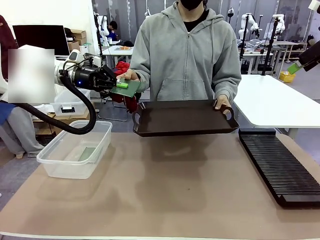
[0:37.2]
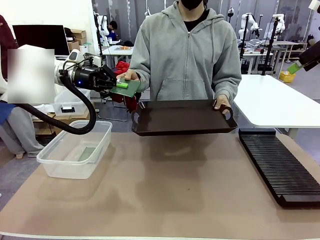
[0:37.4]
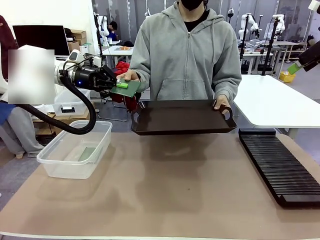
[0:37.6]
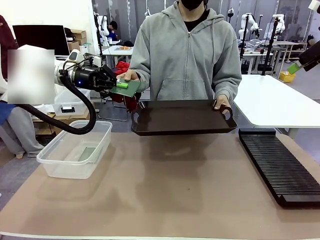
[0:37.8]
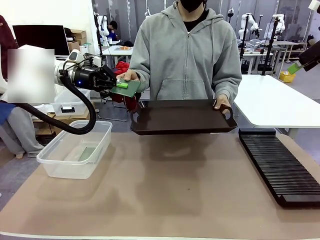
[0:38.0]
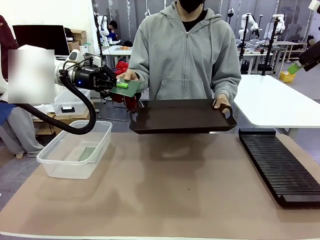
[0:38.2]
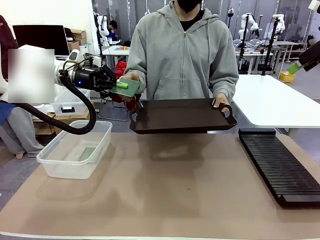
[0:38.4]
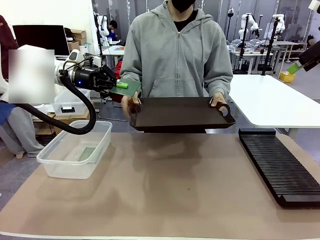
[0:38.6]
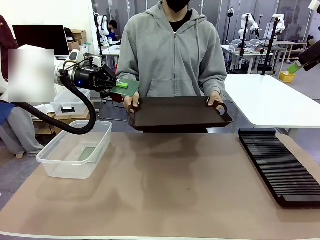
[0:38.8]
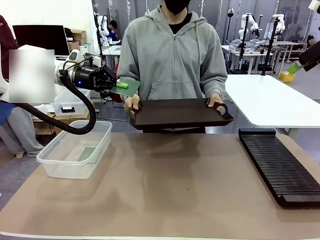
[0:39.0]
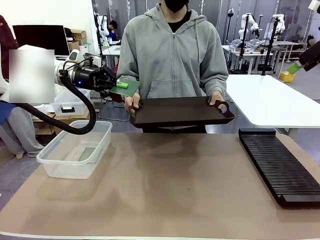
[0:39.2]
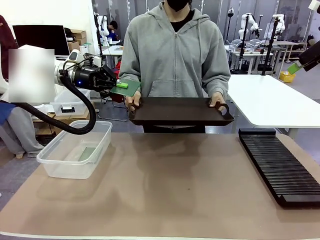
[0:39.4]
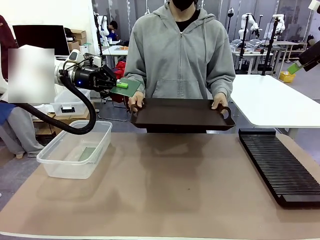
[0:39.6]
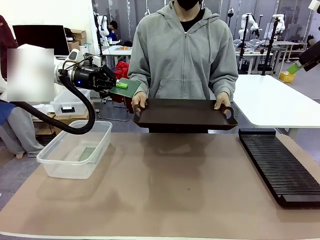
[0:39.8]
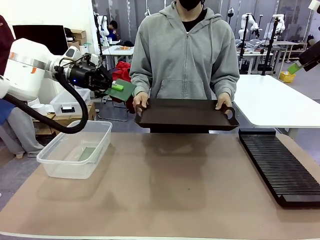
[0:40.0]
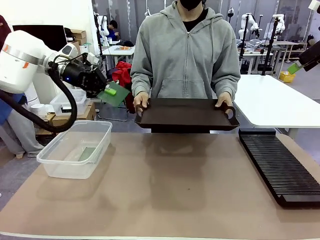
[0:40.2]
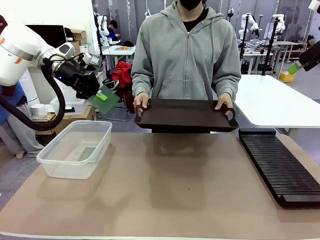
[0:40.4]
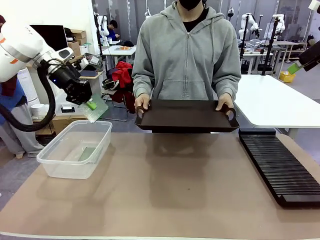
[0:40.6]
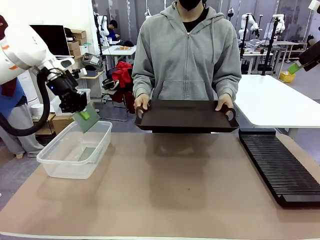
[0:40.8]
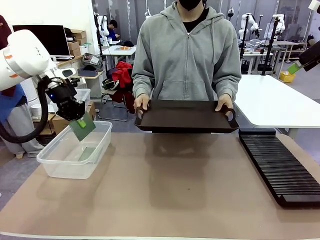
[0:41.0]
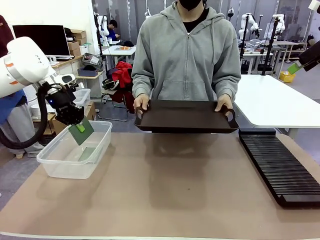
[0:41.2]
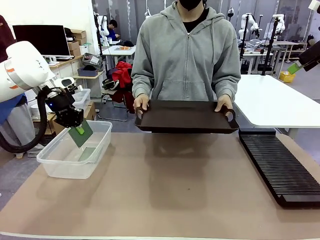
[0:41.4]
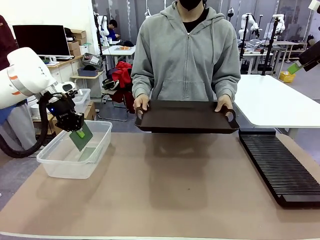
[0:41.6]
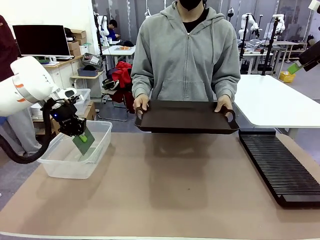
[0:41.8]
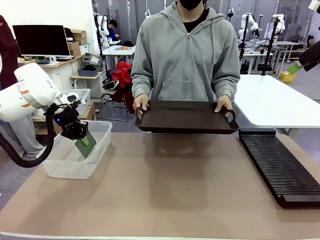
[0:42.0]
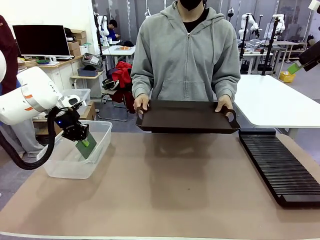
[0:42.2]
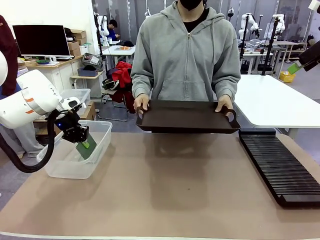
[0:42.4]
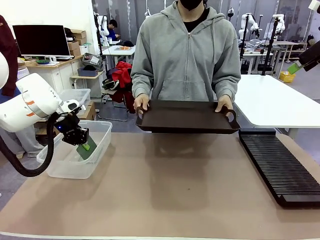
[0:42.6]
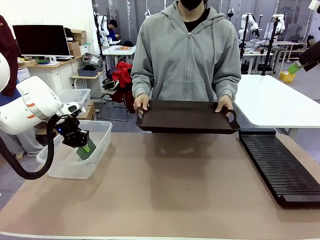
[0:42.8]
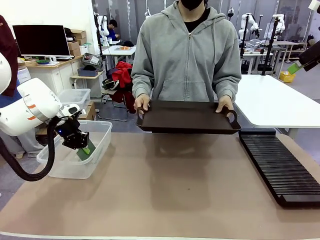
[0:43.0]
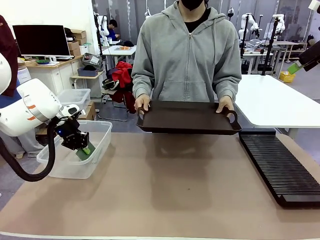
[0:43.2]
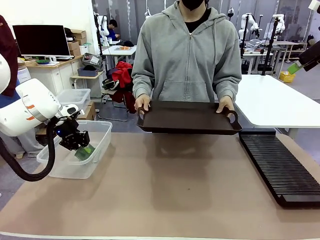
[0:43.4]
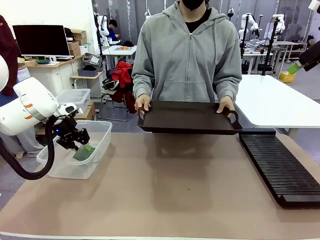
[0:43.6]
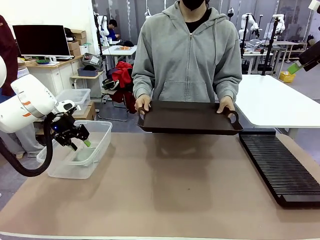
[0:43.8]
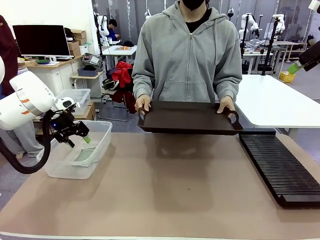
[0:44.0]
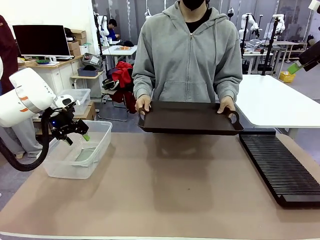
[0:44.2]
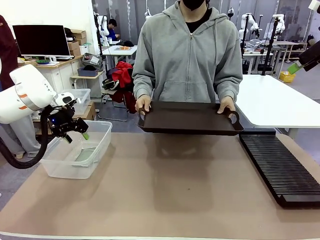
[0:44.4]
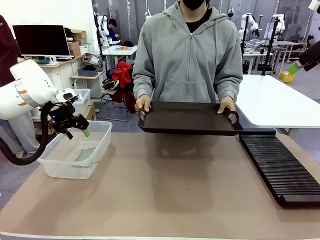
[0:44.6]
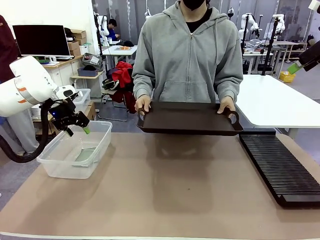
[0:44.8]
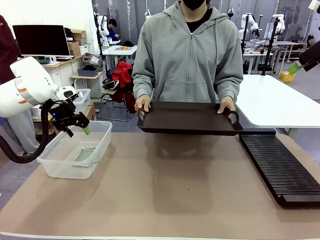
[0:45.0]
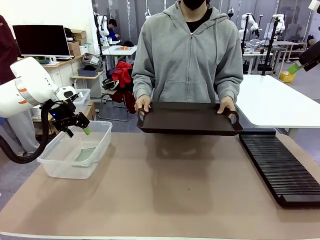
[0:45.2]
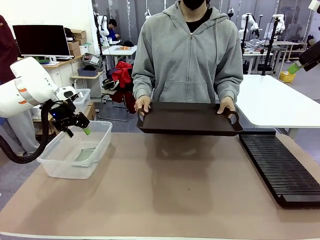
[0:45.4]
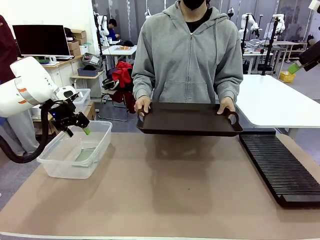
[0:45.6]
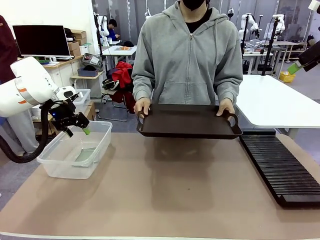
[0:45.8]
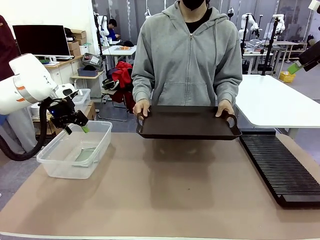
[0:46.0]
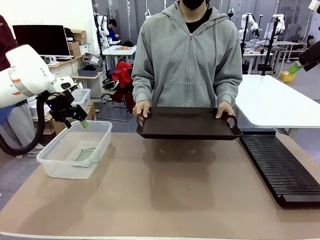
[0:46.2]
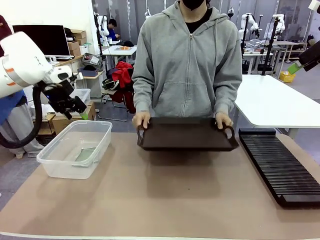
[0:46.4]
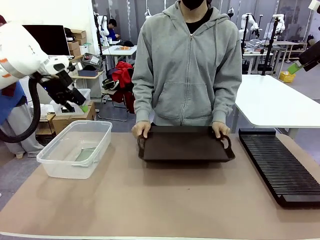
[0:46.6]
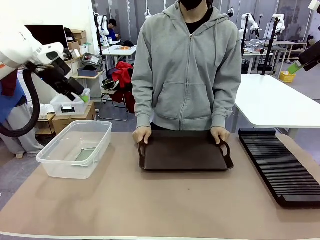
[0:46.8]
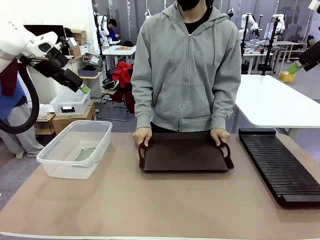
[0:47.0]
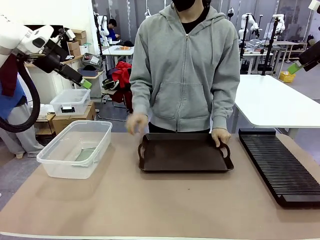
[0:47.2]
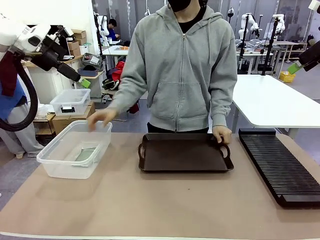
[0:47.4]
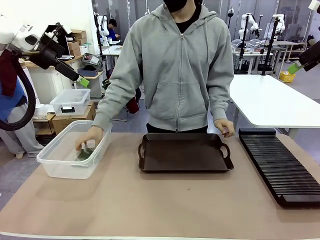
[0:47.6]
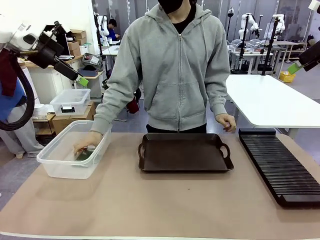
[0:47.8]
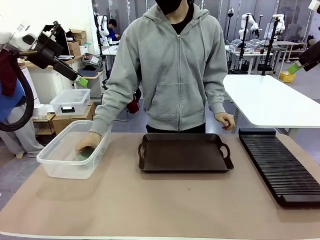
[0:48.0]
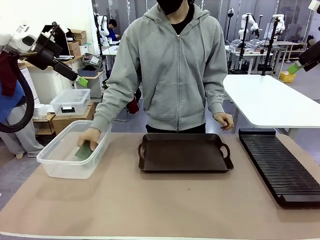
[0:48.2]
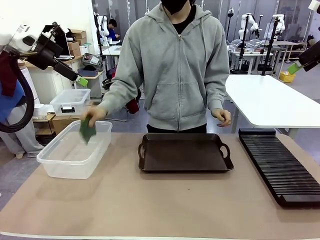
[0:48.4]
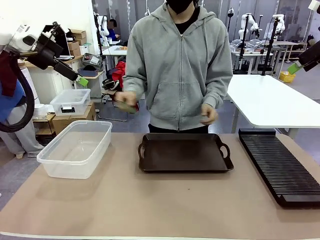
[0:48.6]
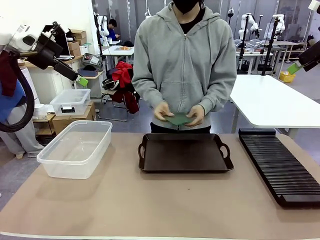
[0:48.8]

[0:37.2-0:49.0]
Task: Sort PCBs into racks and boxes based on the side picked up.
Robot: If the short side of the Blank PCB is picked up, insert it into the PCB Rack ; if the long side is picked up, place it in the Organizing box.
Person: Release the PCB being held.

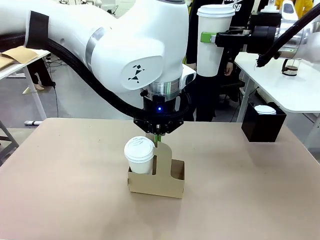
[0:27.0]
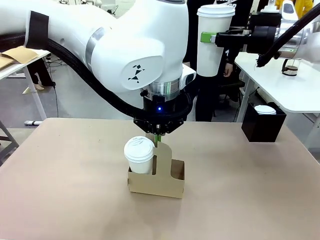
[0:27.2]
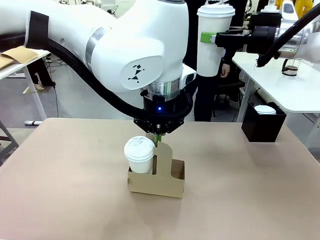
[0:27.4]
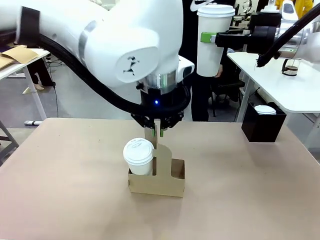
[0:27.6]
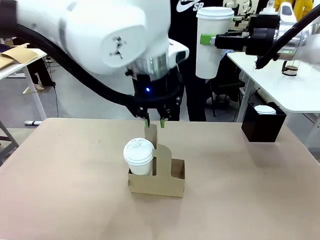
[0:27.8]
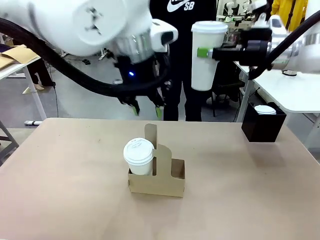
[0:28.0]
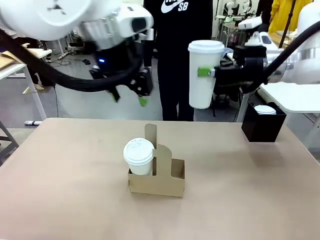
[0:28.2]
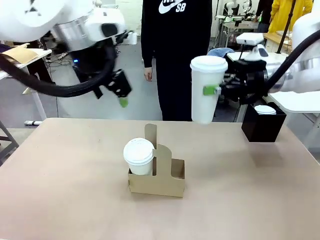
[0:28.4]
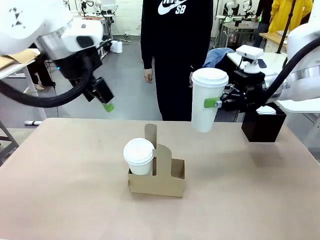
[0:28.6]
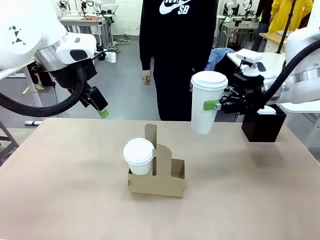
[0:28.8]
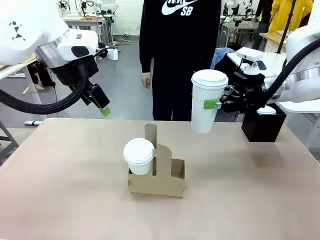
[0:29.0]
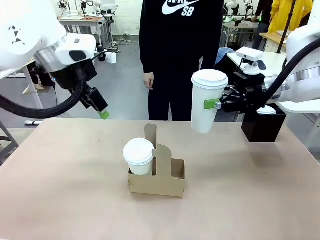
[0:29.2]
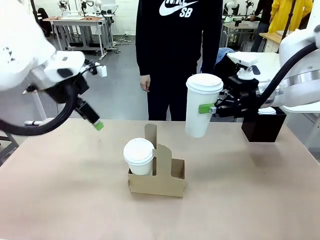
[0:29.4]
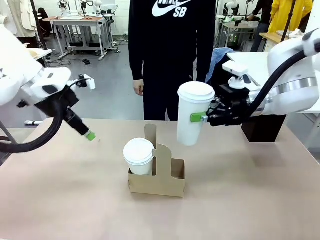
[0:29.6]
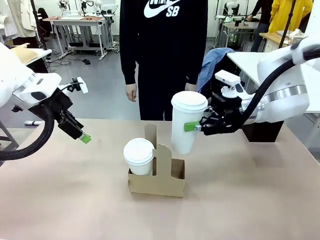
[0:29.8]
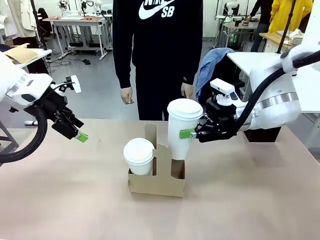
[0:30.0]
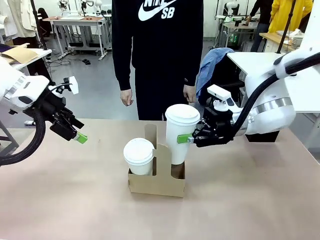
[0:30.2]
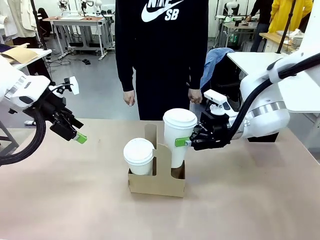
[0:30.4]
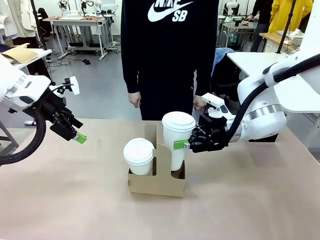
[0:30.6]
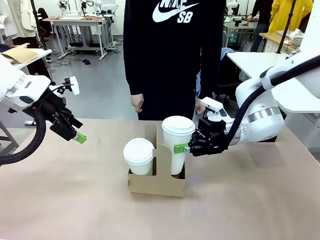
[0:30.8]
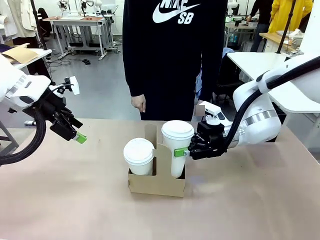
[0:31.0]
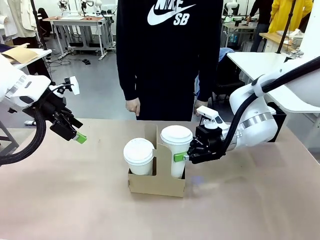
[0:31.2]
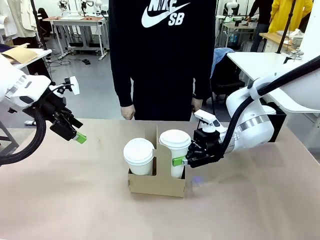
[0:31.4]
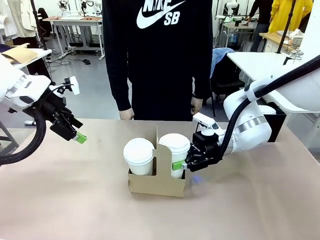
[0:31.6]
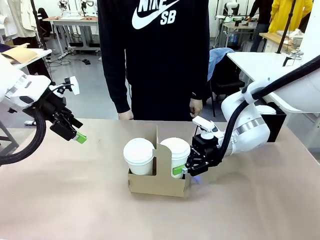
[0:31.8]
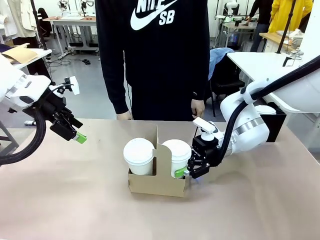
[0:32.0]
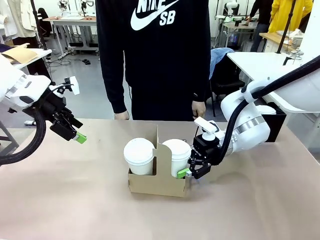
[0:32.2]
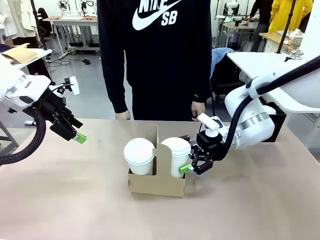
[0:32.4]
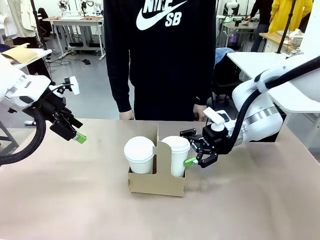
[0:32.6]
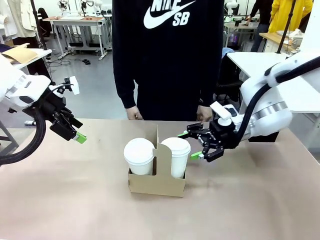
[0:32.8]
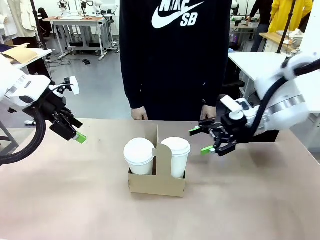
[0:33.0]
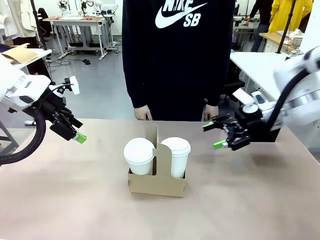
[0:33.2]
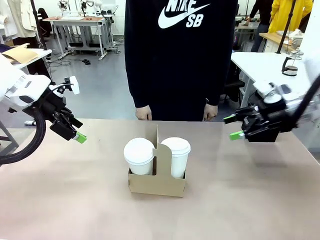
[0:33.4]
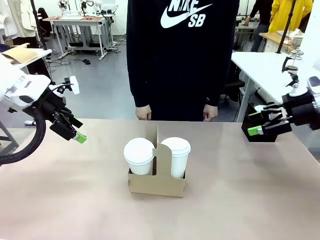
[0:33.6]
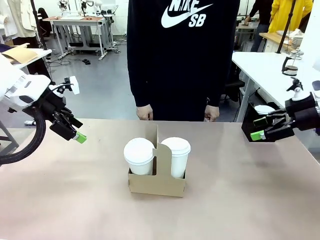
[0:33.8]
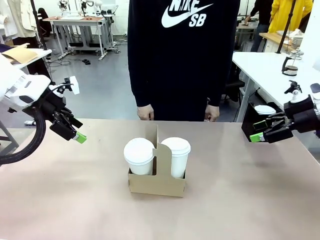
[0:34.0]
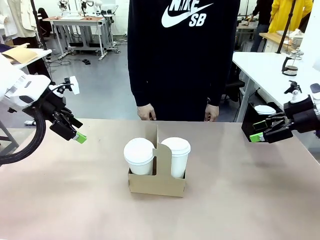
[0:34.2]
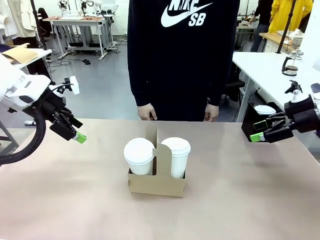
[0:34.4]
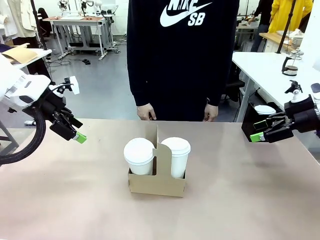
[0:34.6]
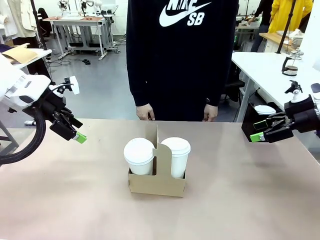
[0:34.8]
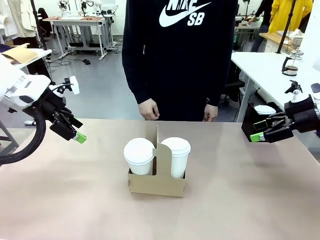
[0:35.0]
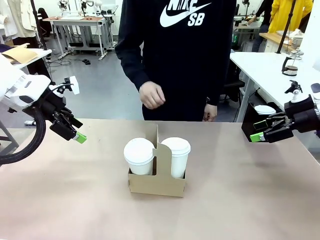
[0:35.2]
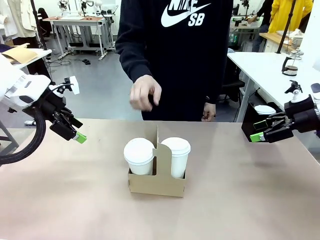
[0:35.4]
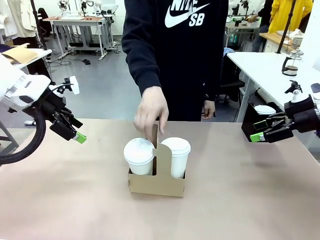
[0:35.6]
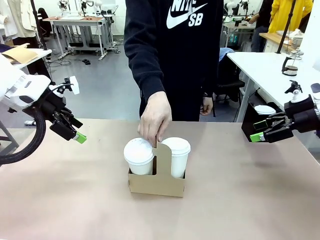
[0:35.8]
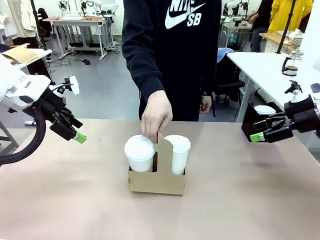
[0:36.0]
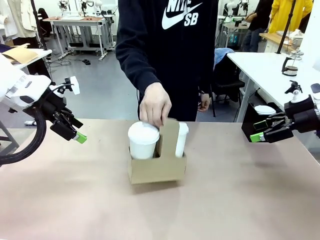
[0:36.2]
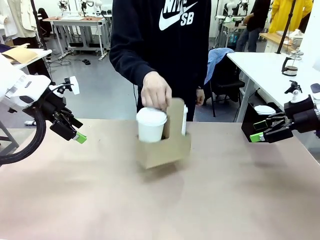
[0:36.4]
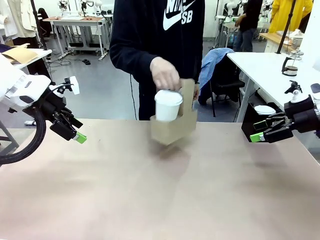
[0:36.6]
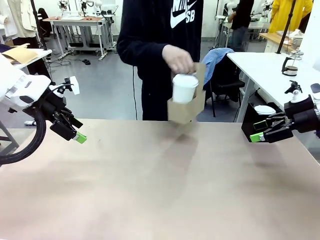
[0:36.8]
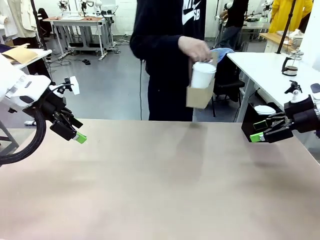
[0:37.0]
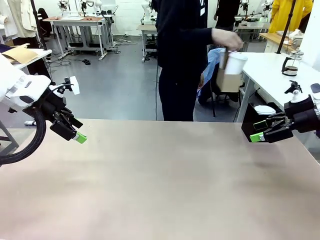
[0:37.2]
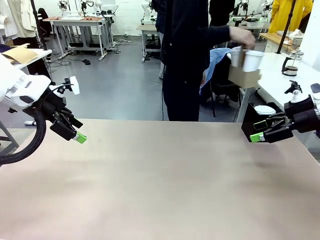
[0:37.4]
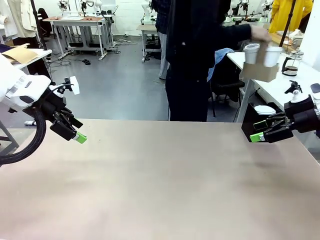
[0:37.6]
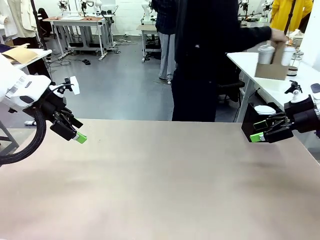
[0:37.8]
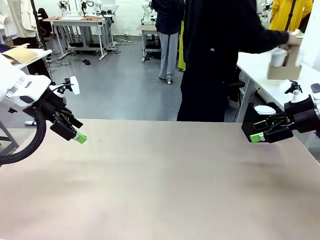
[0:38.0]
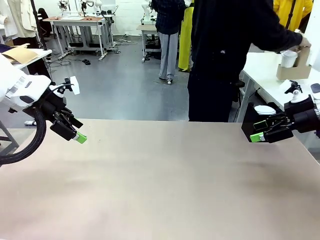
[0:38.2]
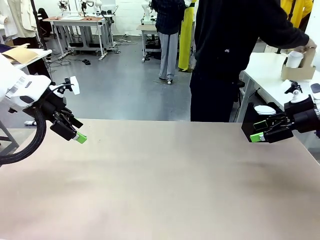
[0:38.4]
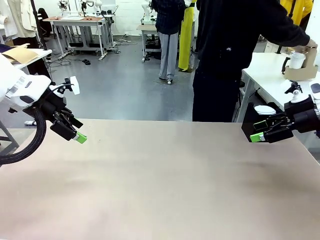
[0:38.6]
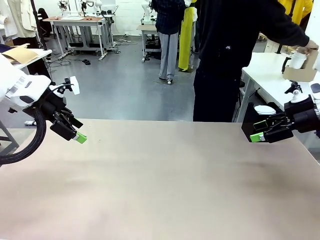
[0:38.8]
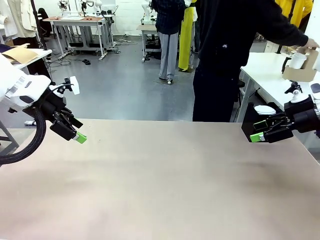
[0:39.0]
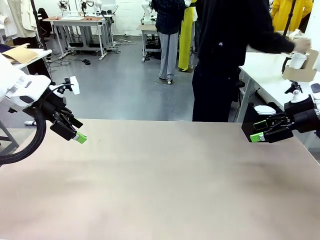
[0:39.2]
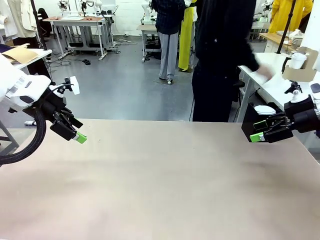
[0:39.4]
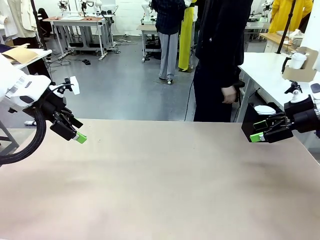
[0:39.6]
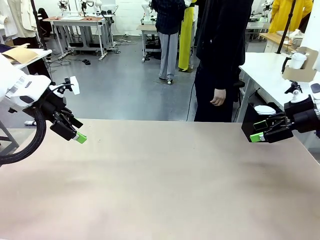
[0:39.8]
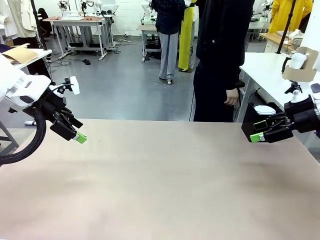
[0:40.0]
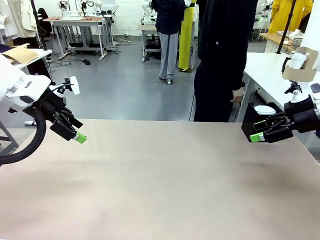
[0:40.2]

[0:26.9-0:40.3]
Task: Pour a drink into a cup and package it in a carrier.
Robot: Insert the held 600 ml Paper Cup into the Cup Carrier.
Person: Place the Cup Carrier to the middle of Human table.
